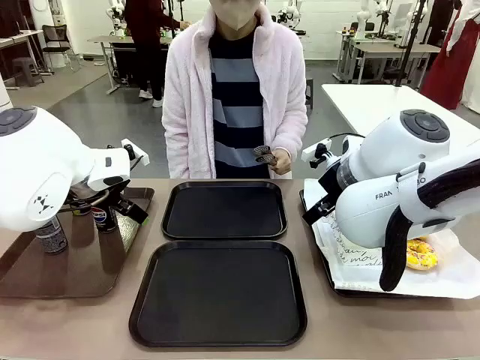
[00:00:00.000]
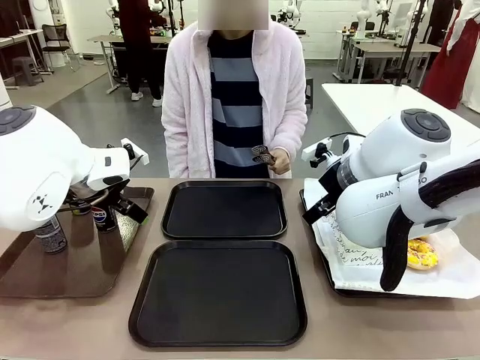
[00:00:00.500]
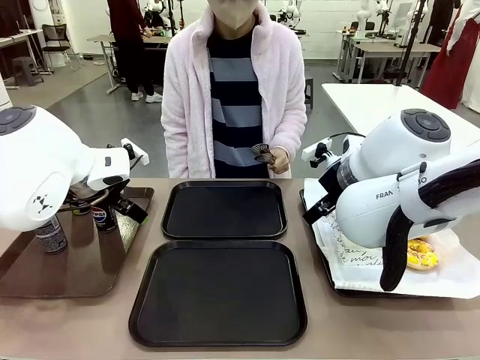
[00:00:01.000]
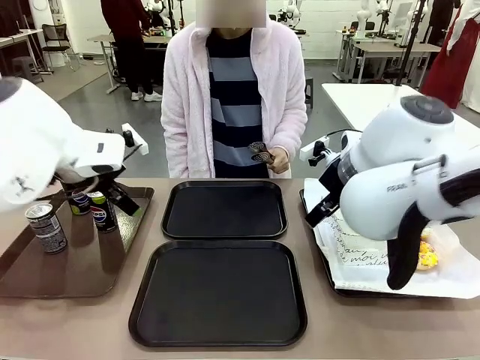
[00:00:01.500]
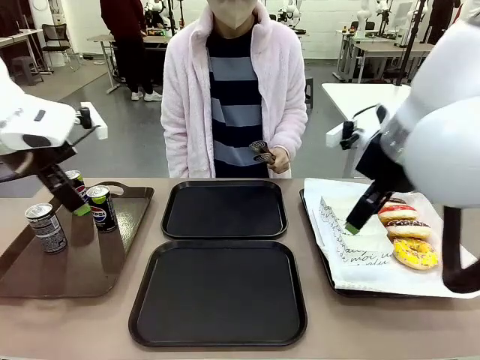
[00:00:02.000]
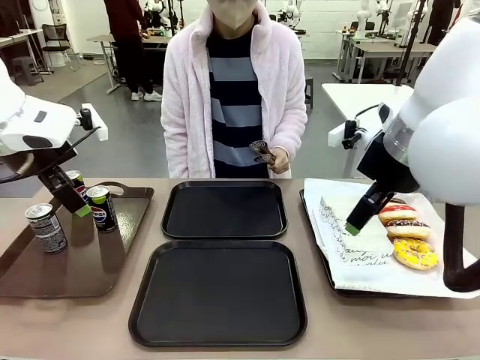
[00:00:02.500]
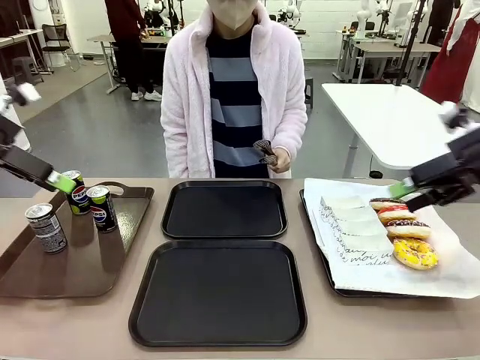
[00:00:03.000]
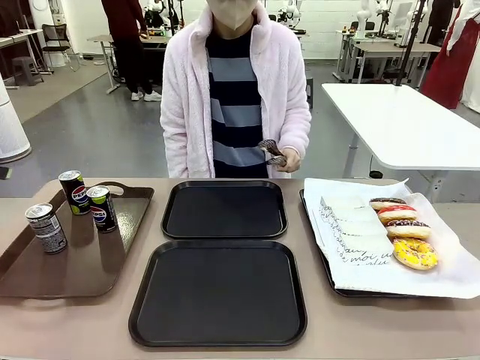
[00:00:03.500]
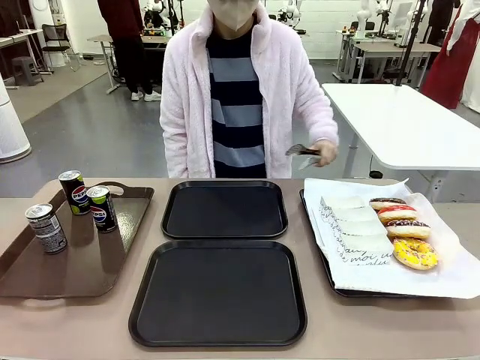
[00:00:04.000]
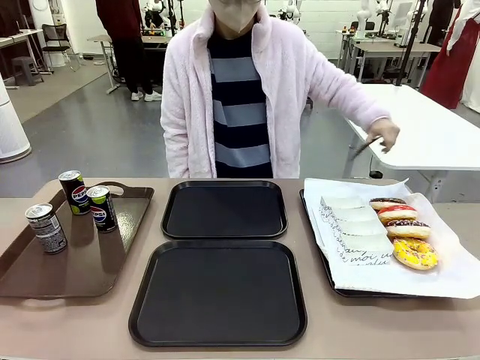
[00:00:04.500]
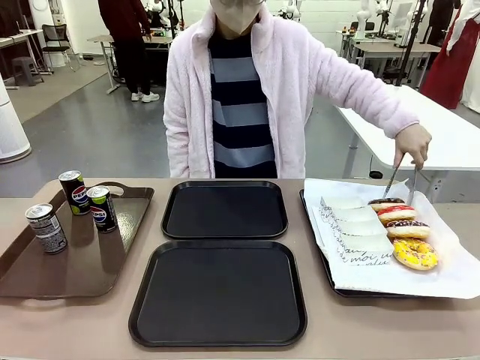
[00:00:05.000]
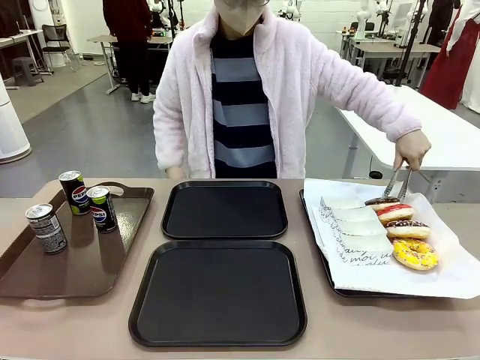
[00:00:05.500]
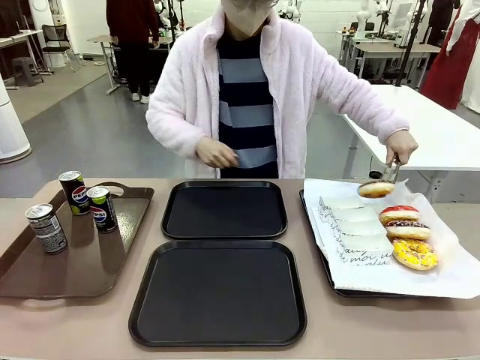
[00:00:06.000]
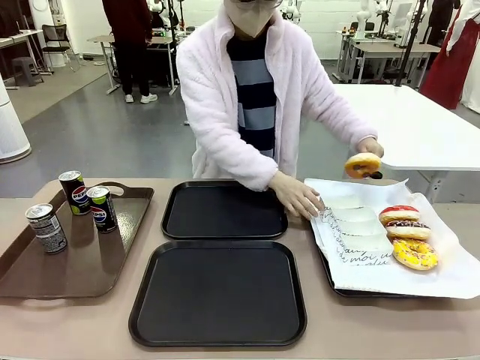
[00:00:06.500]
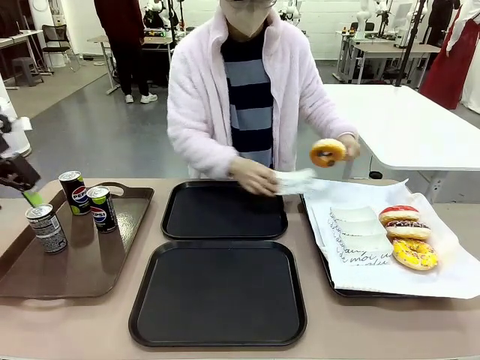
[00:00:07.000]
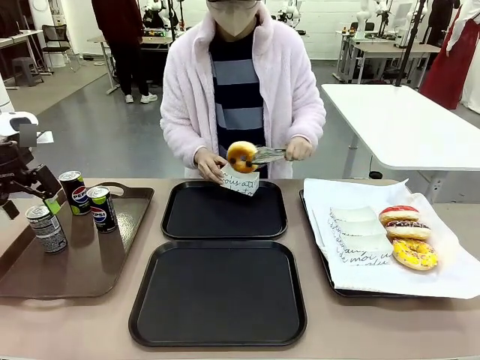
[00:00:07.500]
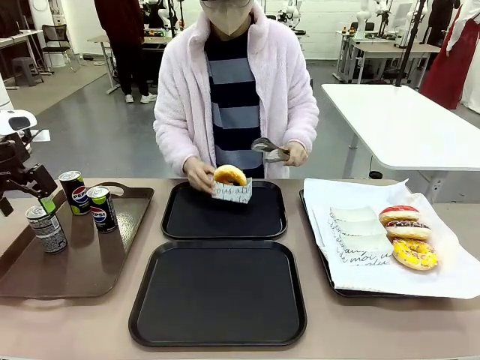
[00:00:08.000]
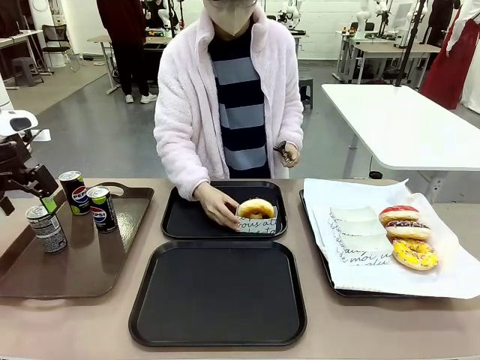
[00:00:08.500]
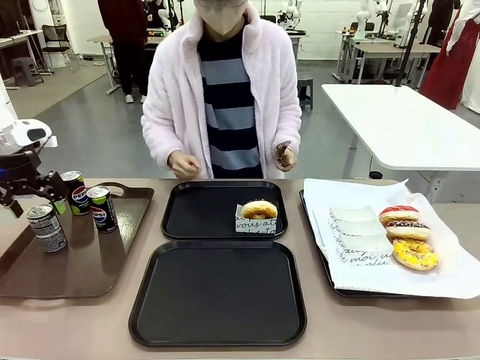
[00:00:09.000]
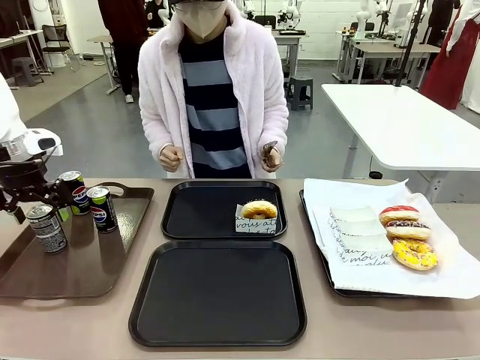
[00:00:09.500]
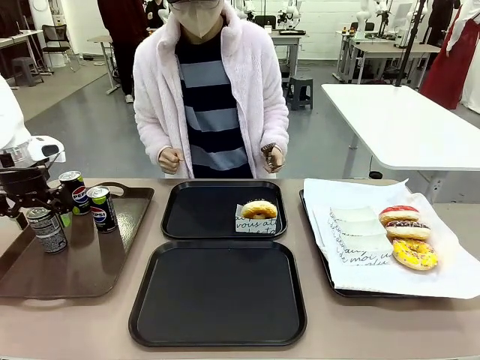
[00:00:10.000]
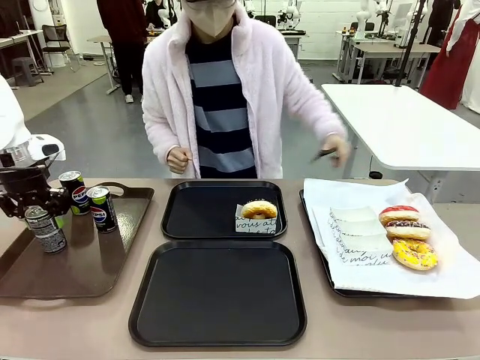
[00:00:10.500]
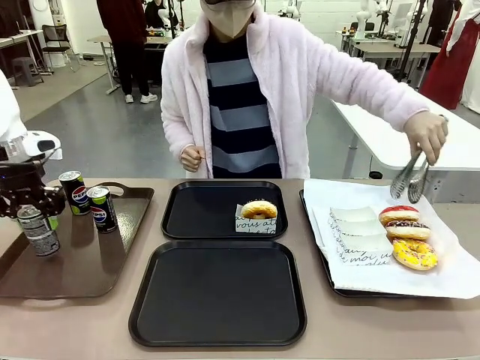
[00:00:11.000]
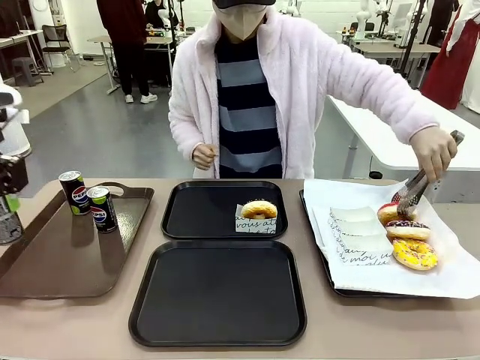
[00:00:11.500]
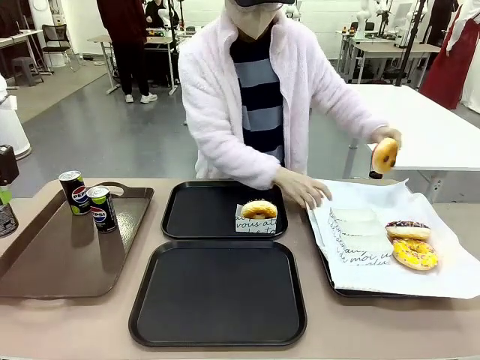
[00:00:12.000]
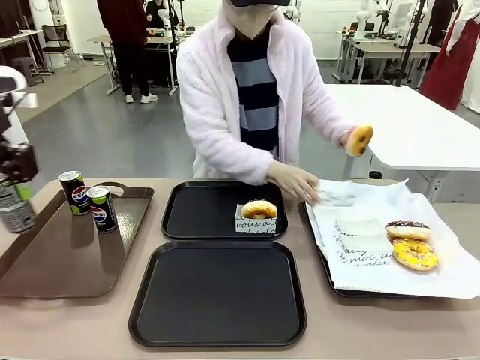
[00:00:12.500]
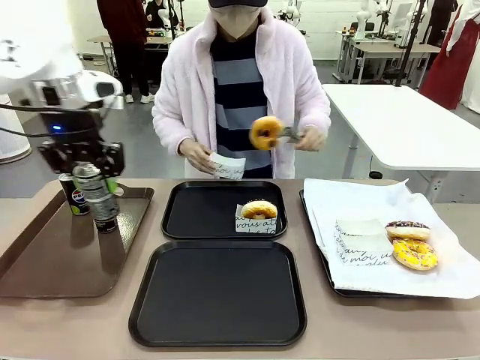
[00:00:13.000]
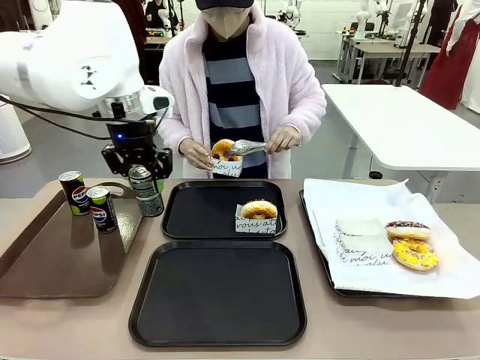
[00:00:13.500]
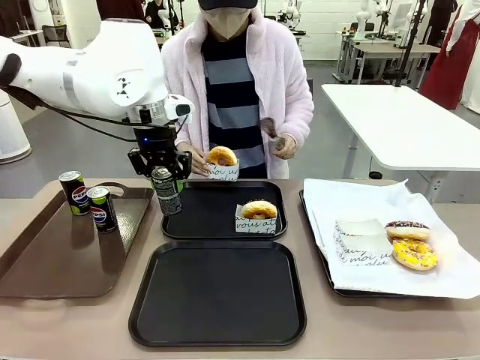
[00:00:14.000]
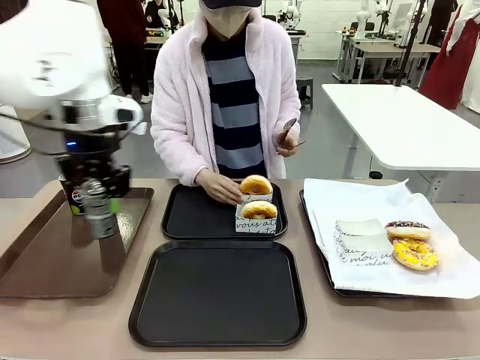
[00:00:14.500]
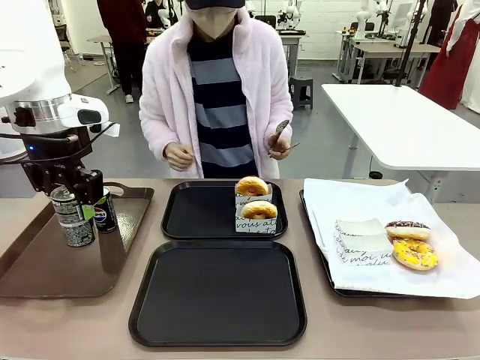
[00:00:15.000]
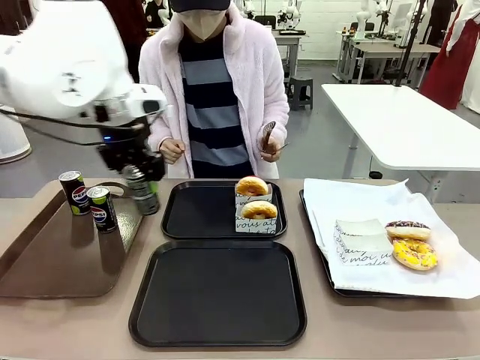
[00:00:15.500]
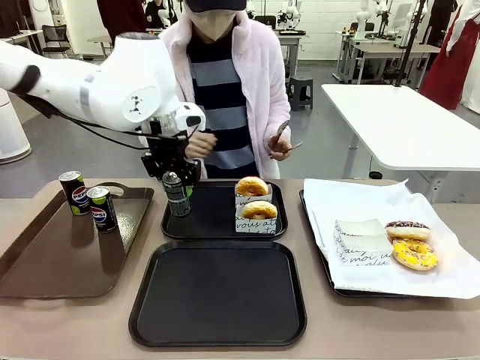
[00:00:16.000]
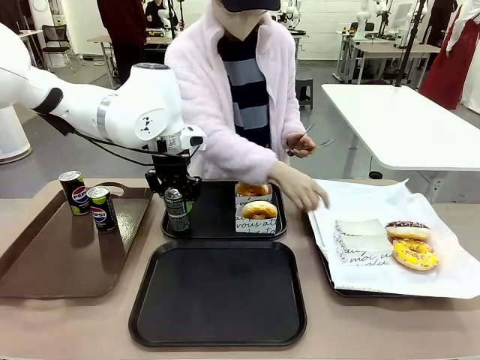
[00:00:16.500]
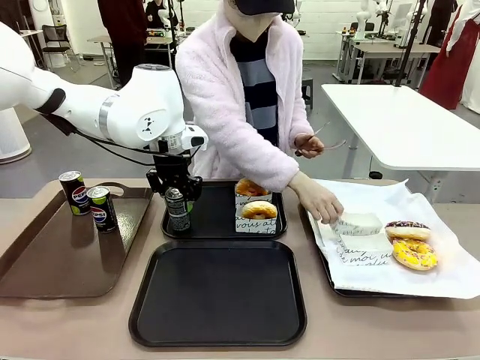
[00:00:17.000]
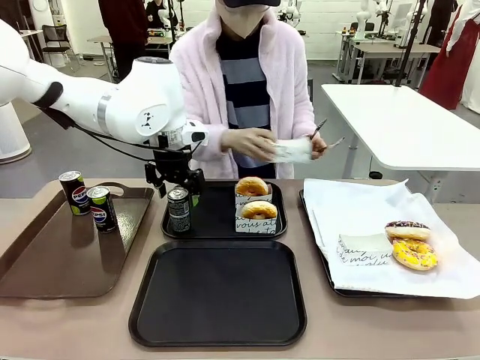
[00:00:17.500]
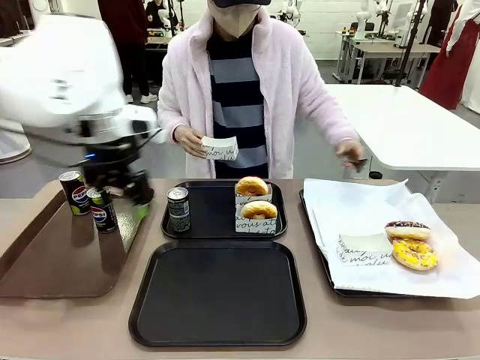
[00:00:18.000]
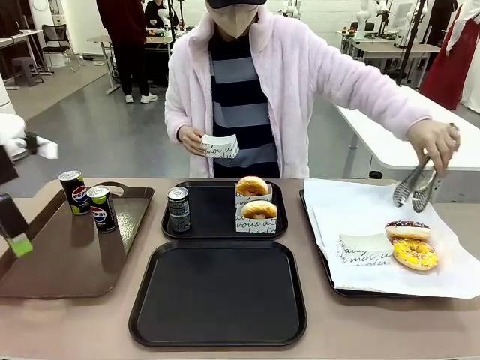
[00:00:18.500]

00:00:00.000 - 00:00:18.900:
Task: Set up donuts and drinks on trays.
Robot: Pick up one Pepsi coke and place it on the Flat Tray.
Person: Pick up one donut with tongs, place it in the donut tray, and then place the donut tray on the flat tray.
